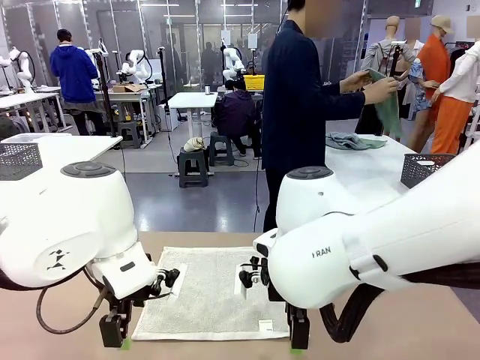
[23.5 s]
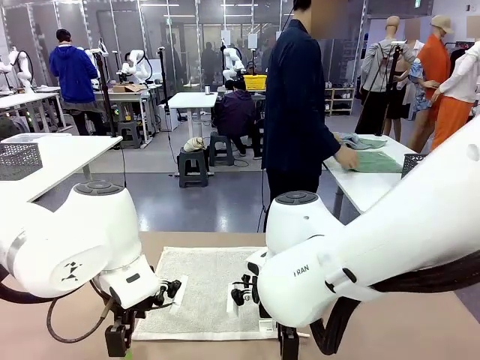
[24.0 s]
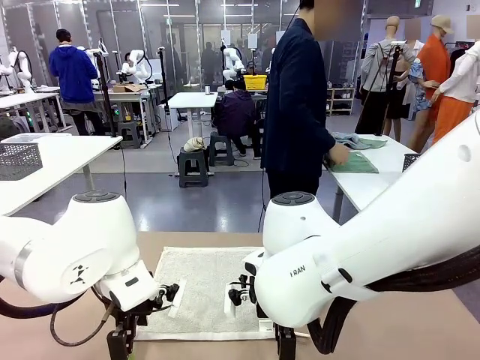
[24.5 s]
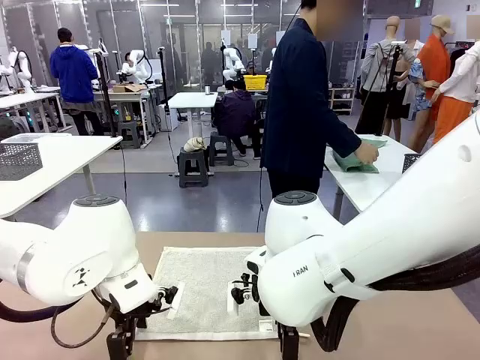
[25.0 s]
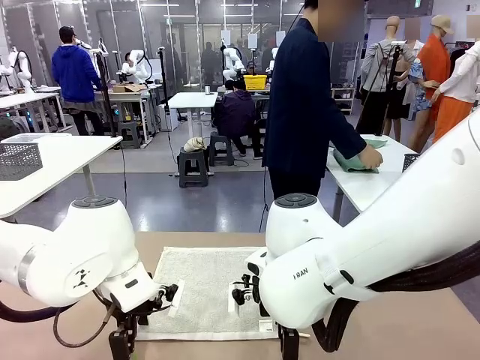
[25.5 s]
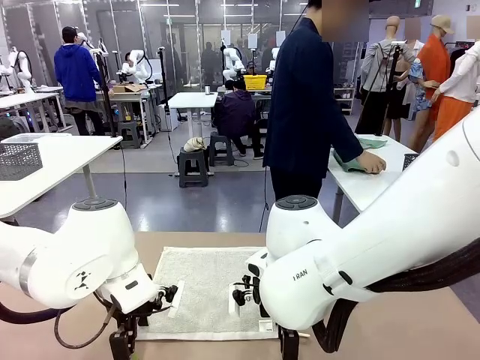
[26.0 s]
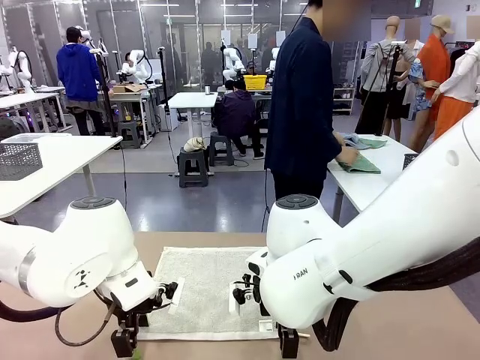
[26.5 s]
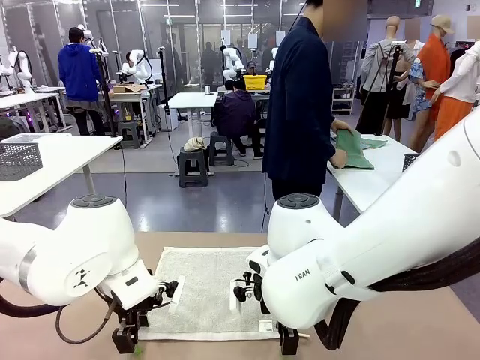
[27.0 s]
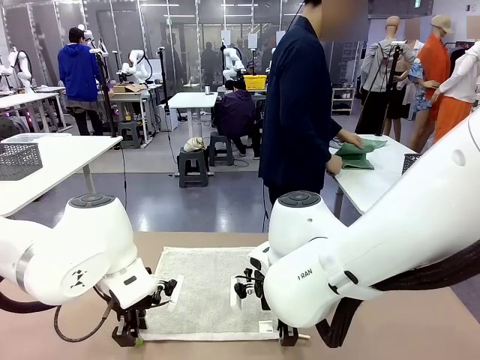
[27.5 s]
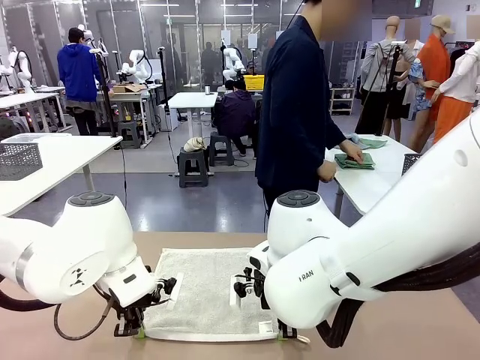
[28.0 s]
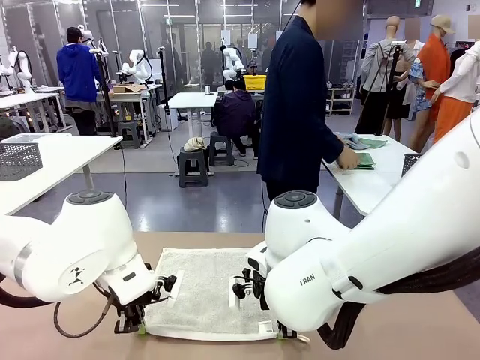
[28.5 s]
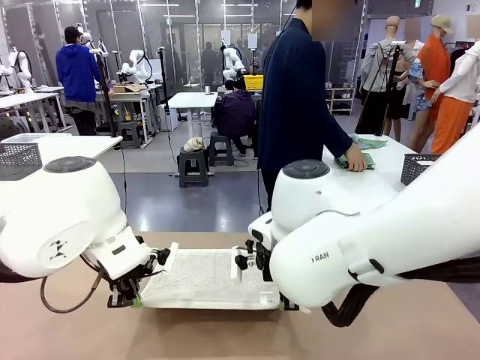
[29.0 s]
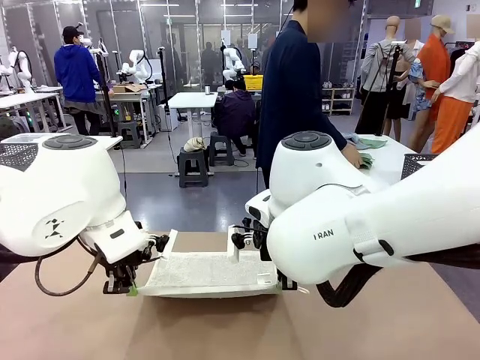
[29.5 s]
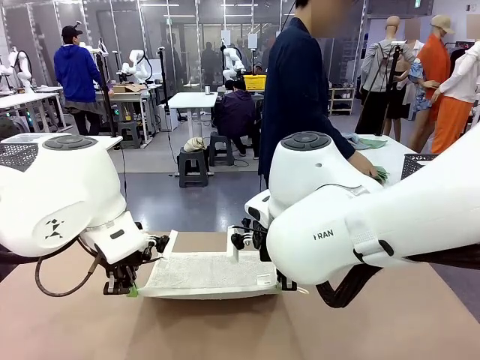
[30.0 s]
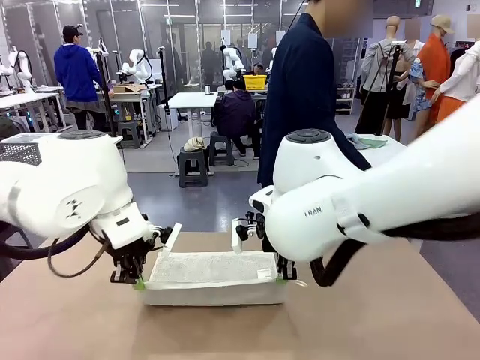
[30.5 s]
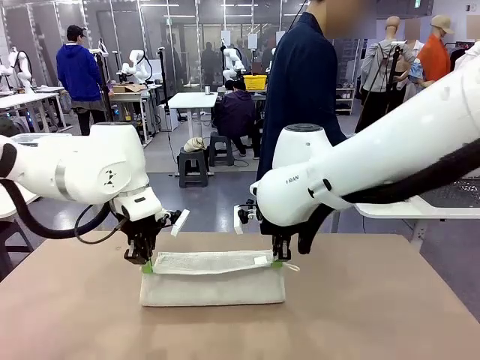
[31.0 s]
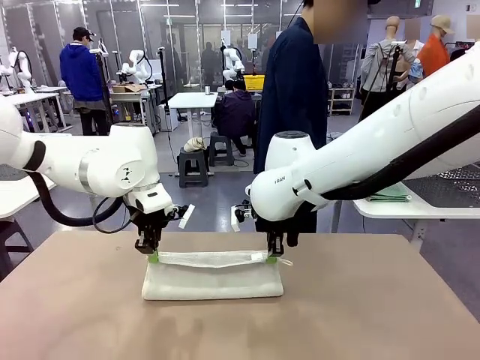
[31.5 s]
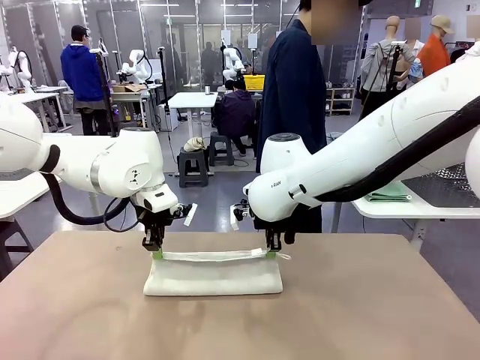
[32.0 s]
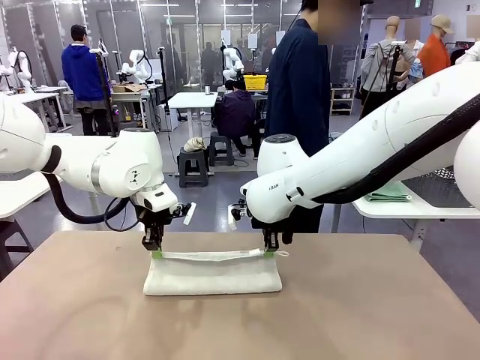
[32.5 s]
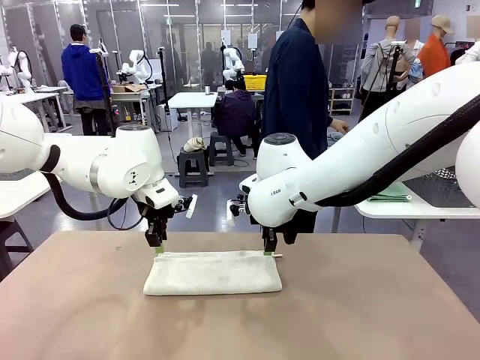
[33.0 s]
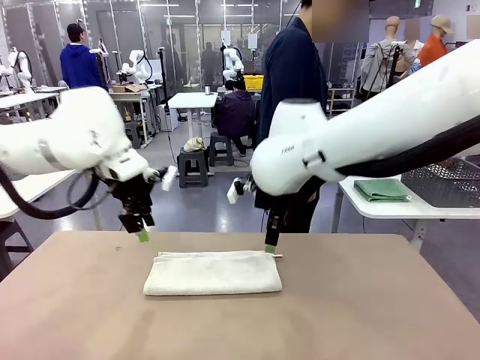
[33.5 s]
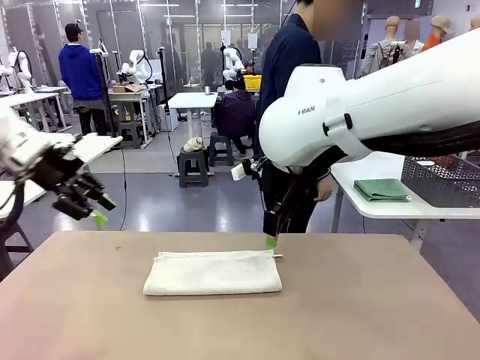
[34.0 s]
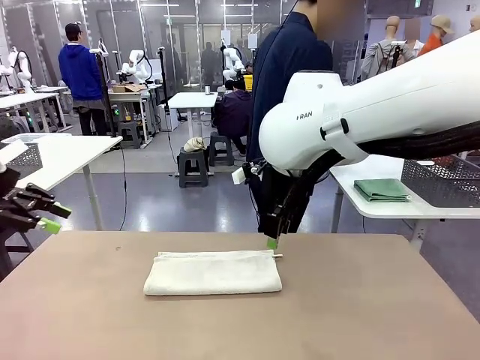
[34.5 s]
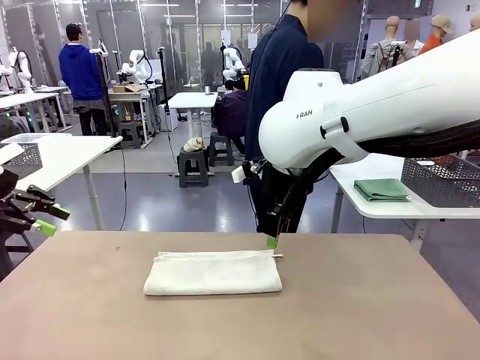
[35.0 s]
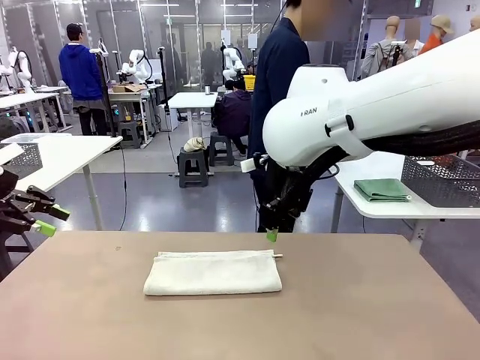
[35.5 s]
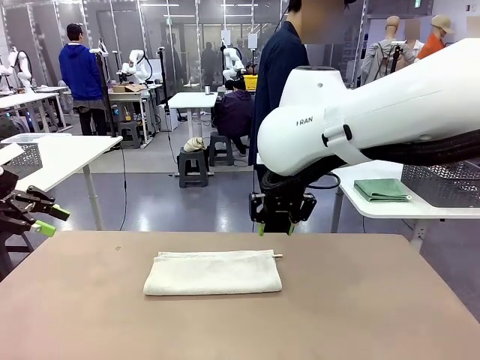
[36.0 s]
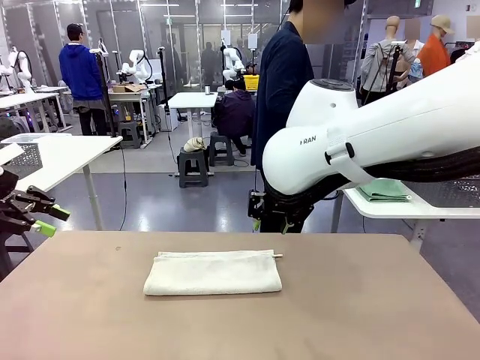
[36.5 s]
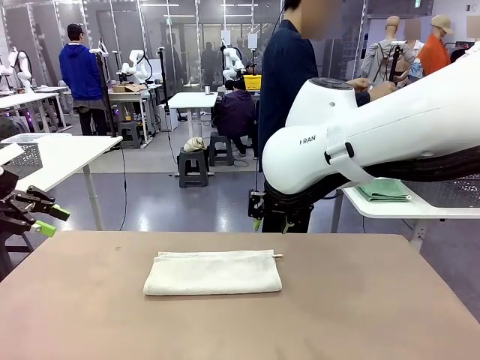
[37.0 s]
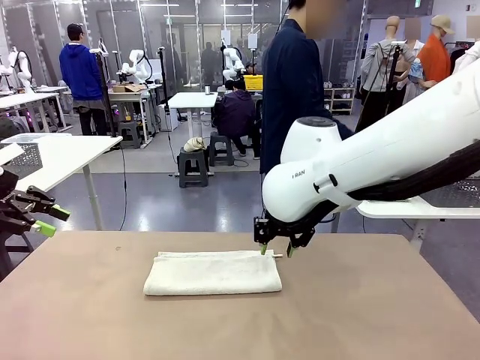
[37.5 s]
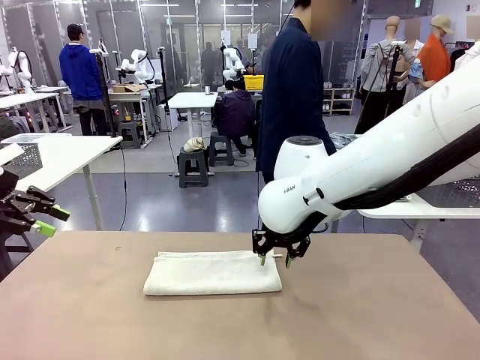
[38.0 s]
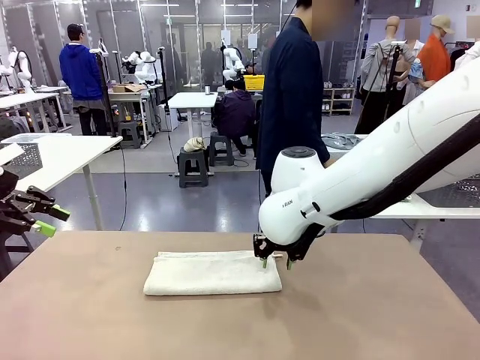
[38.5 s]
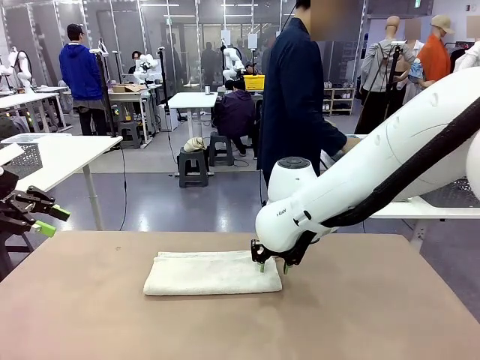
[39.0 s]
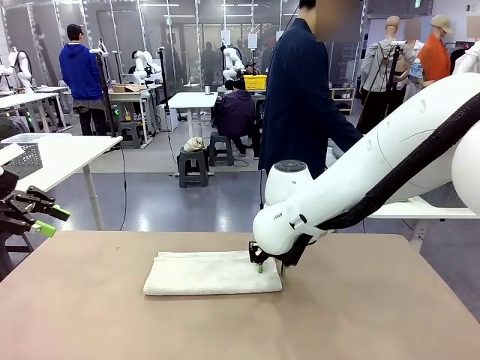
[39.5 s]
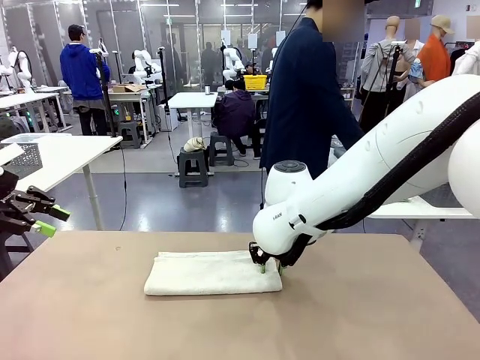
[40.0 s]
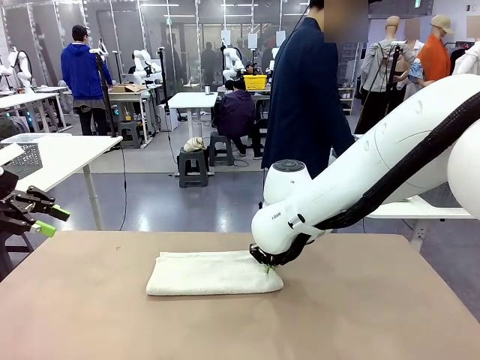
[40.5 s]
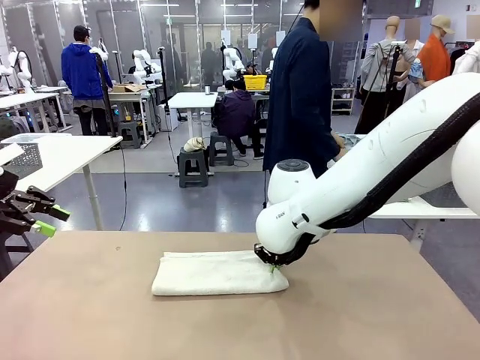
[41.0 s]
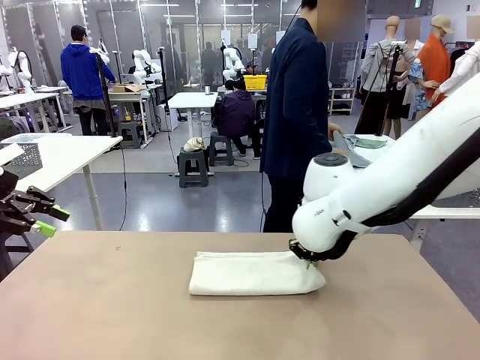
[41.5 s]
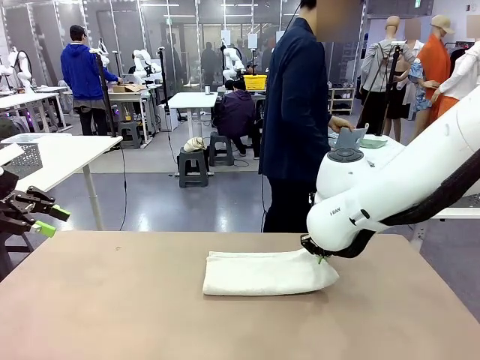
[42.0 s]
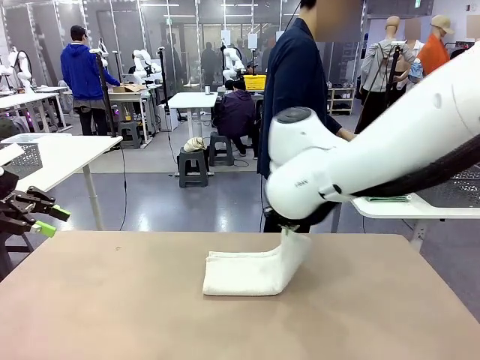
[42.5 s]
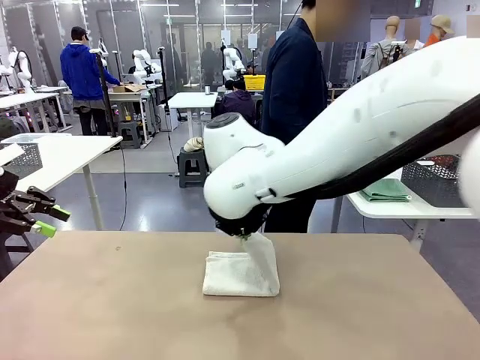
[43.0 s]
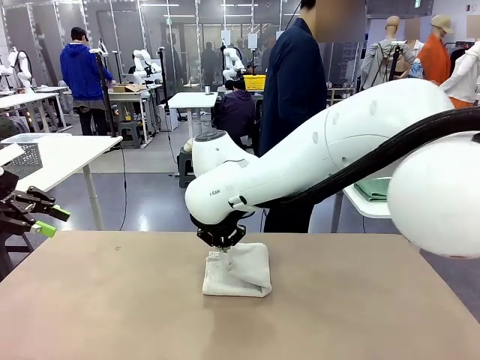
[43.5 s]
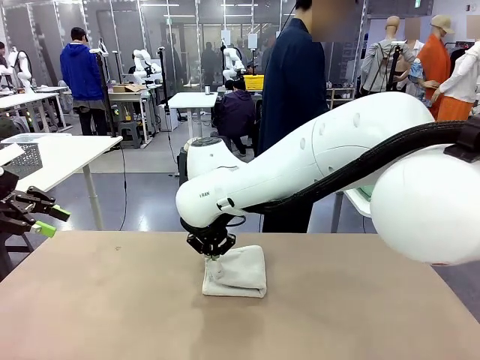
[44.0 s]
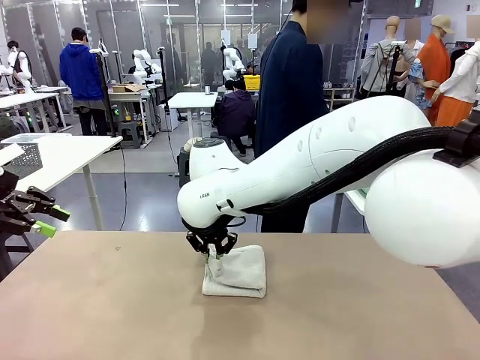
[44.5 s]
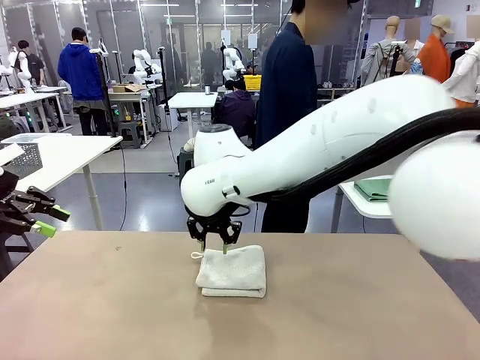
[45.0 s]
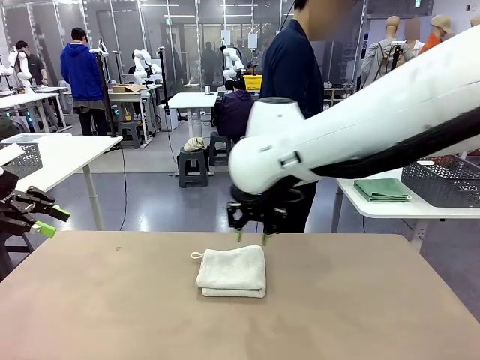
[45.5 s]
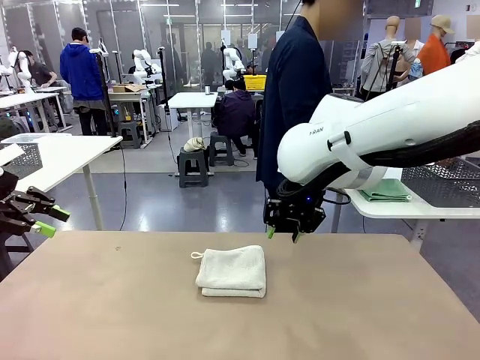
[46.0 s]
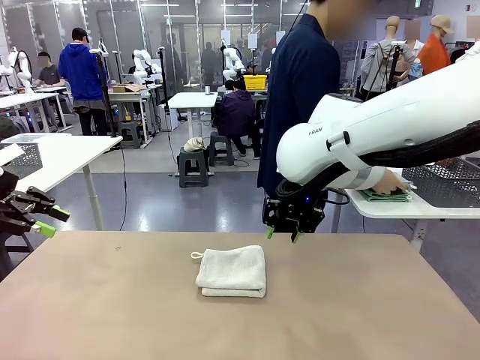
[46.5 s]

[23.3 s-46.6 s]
Task: Fold the towels and place them in the basket.
Robot: When a person lays out a Towel with hook on the table, fold it in half twice.
Person: Pick up one towel from the left side of the human table, fold it in half twice, and place it on the right side of the table. Pick up one towel from the left side of the human table, fold it in half twice, and stack it on the right side of the table.

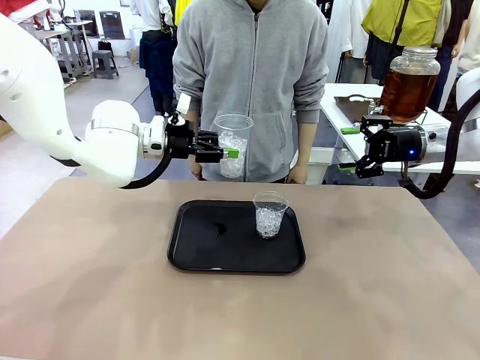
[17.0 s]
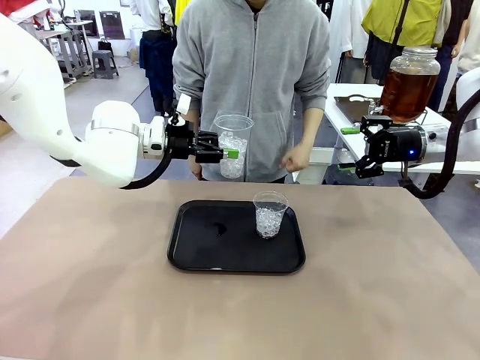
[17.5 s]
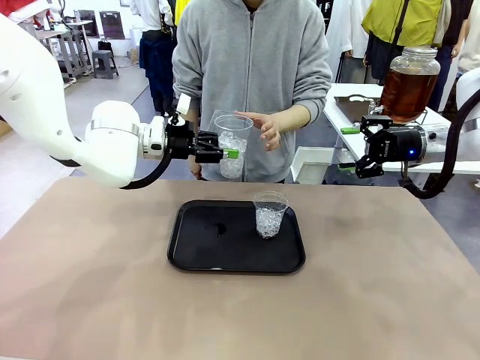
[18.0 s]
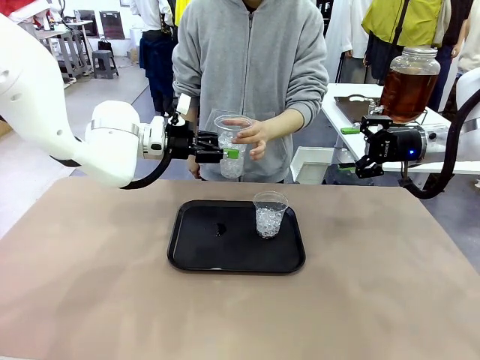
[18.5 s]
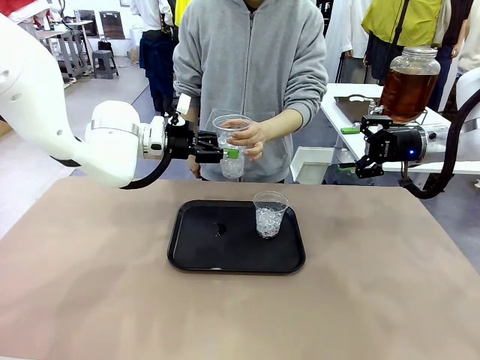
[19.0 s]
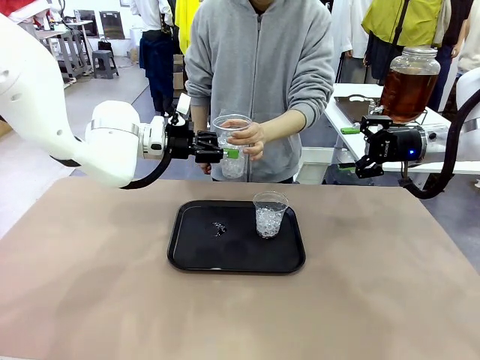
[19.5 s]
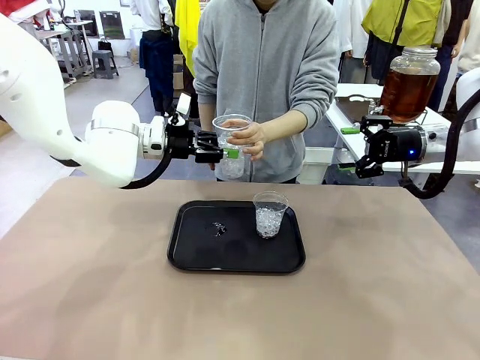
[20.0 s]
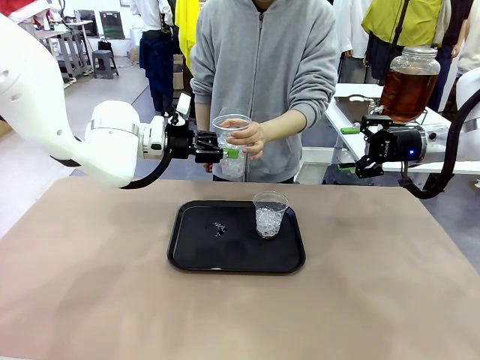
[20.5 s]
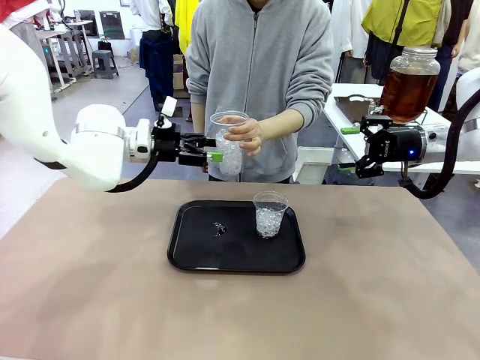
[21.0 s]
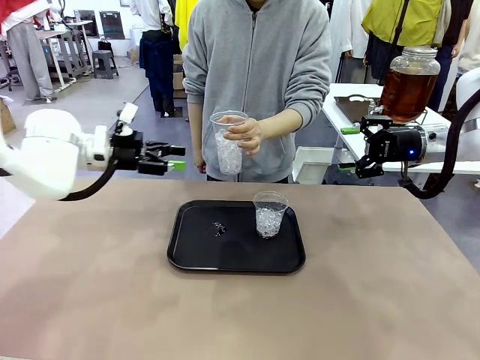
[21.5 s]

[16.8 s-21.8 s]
Task: Pour the drink into the iced cup.
Robot: Open the gripper to release the iced cup you were holding.
